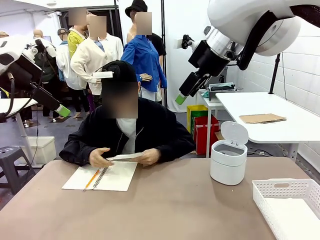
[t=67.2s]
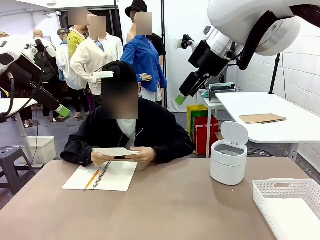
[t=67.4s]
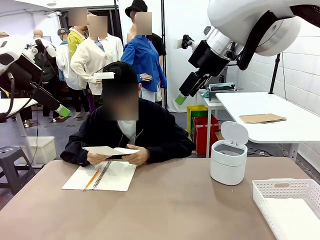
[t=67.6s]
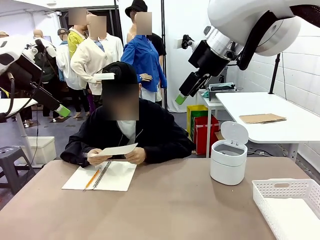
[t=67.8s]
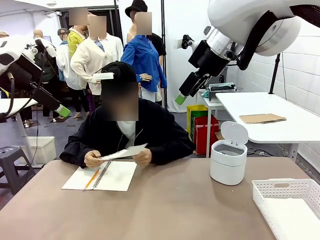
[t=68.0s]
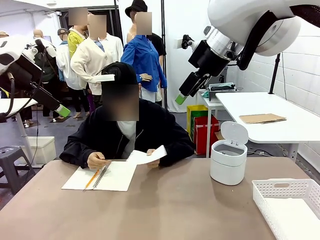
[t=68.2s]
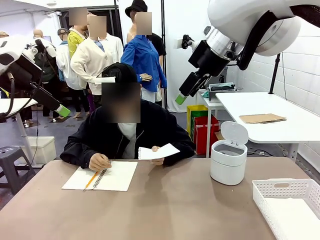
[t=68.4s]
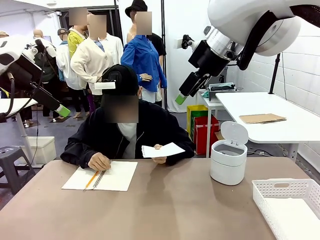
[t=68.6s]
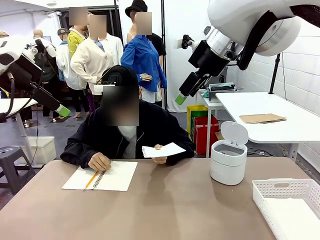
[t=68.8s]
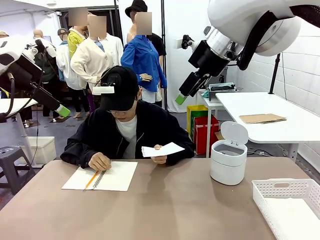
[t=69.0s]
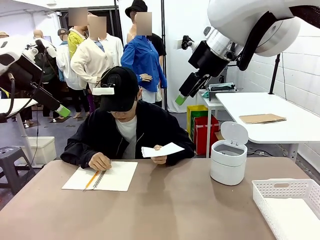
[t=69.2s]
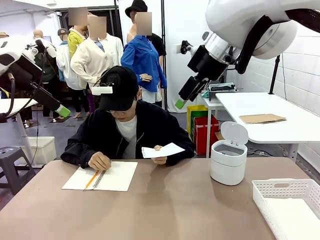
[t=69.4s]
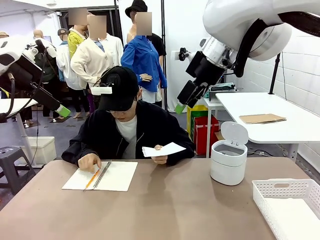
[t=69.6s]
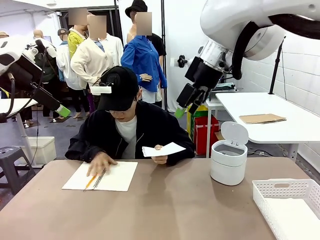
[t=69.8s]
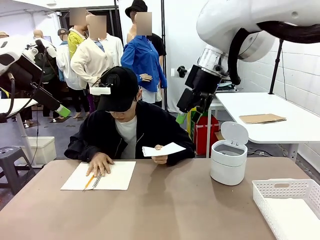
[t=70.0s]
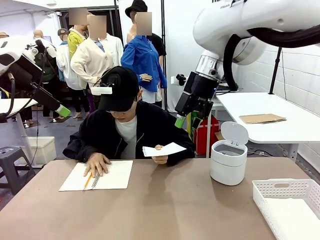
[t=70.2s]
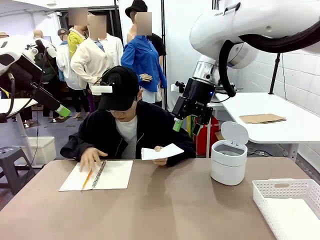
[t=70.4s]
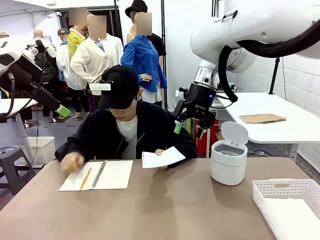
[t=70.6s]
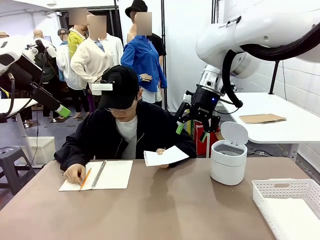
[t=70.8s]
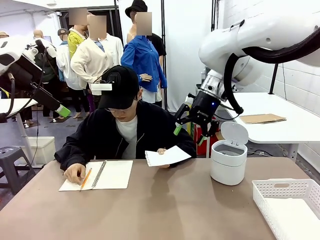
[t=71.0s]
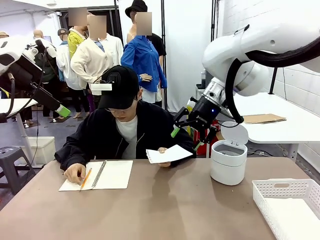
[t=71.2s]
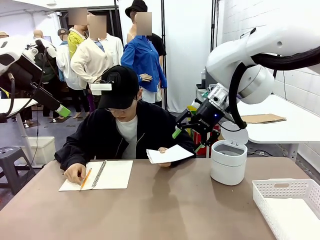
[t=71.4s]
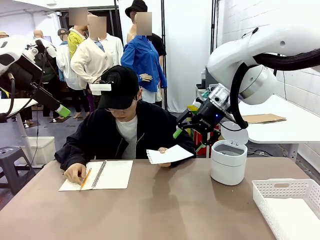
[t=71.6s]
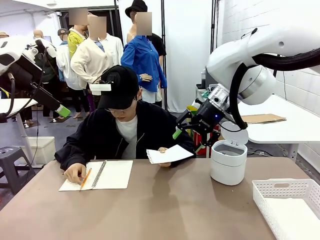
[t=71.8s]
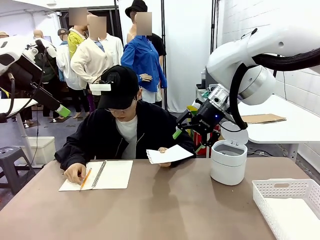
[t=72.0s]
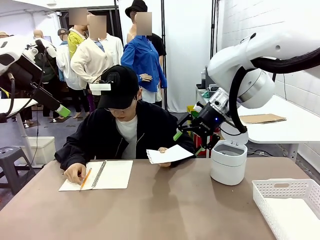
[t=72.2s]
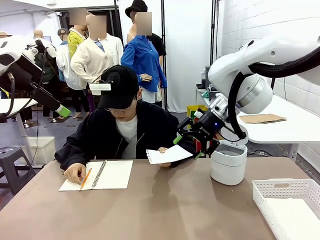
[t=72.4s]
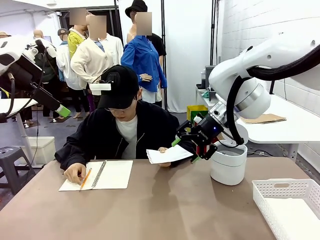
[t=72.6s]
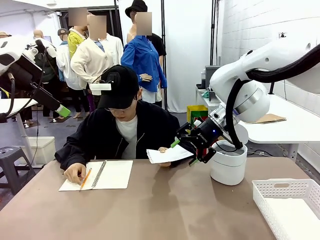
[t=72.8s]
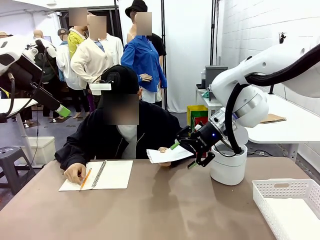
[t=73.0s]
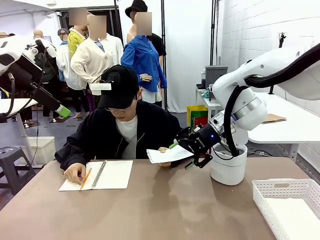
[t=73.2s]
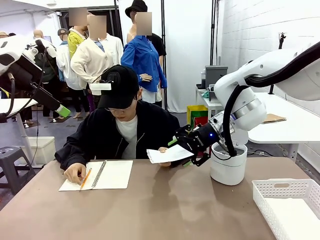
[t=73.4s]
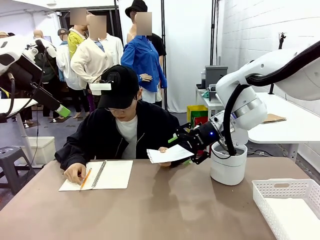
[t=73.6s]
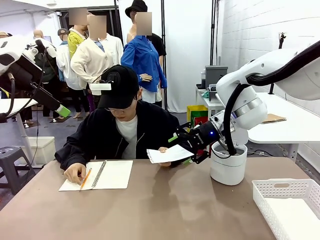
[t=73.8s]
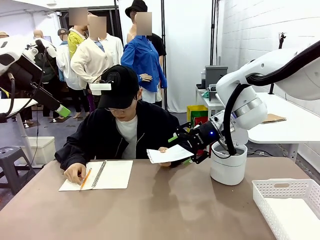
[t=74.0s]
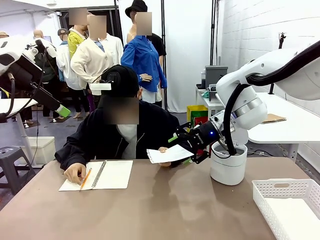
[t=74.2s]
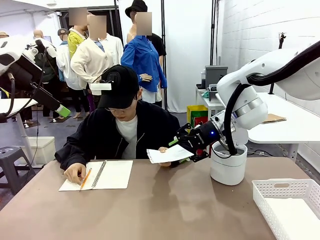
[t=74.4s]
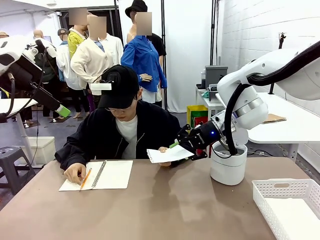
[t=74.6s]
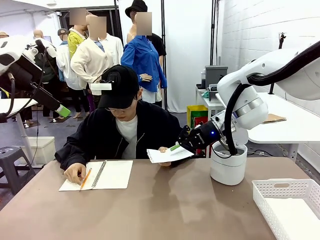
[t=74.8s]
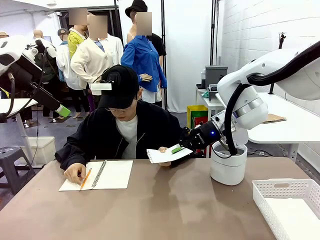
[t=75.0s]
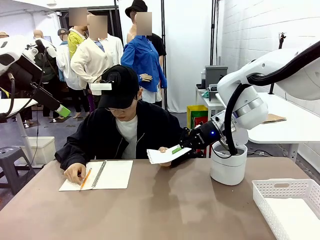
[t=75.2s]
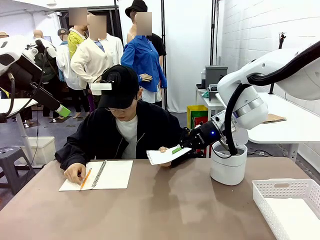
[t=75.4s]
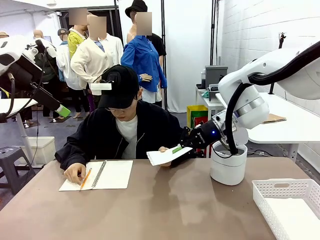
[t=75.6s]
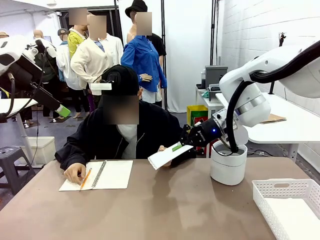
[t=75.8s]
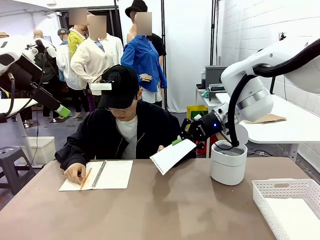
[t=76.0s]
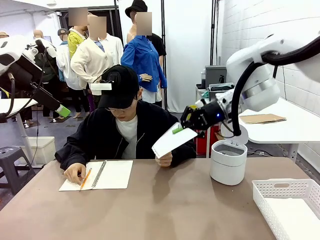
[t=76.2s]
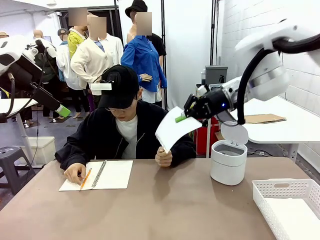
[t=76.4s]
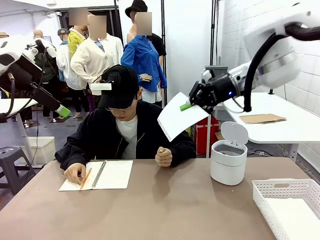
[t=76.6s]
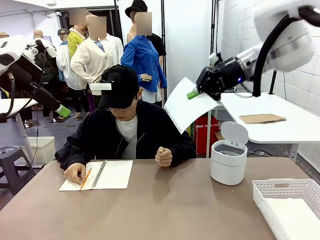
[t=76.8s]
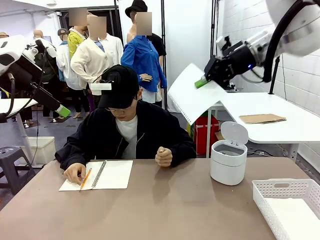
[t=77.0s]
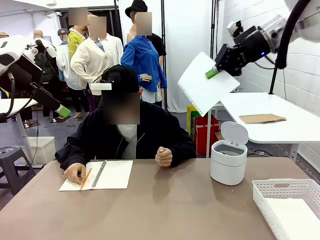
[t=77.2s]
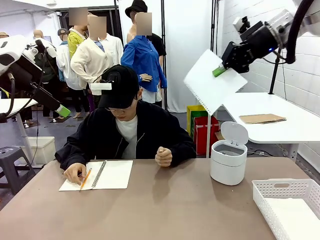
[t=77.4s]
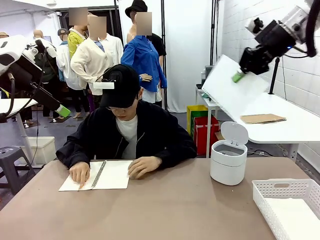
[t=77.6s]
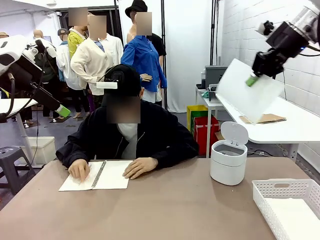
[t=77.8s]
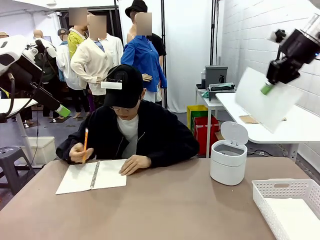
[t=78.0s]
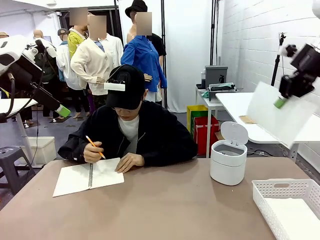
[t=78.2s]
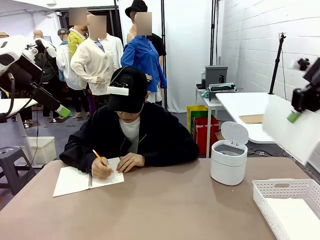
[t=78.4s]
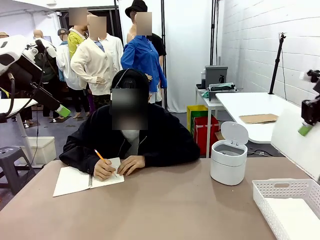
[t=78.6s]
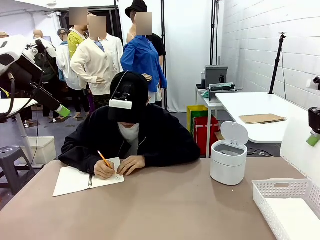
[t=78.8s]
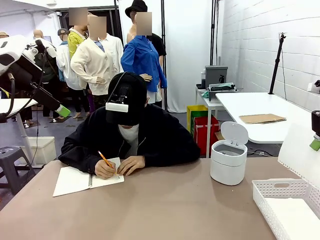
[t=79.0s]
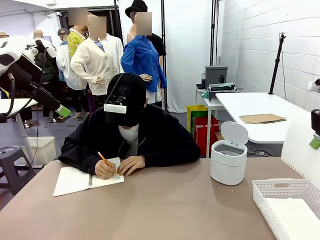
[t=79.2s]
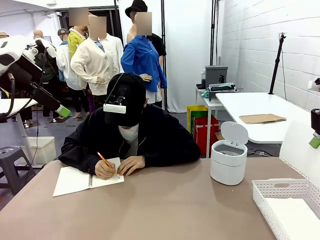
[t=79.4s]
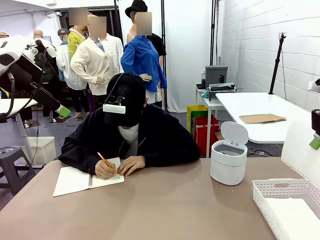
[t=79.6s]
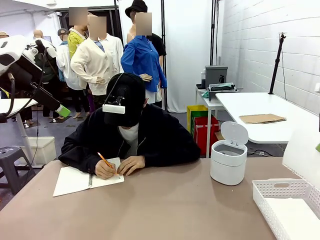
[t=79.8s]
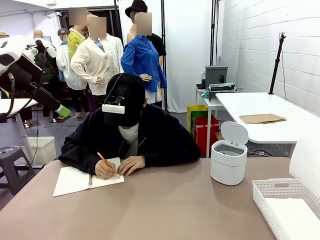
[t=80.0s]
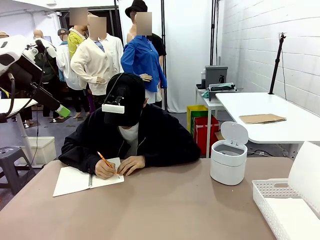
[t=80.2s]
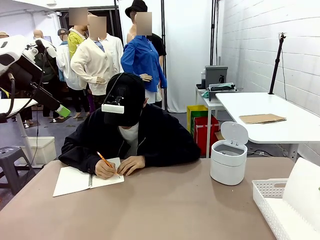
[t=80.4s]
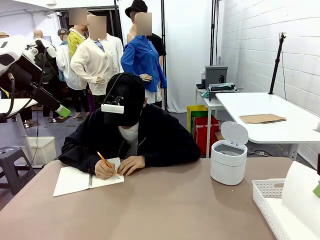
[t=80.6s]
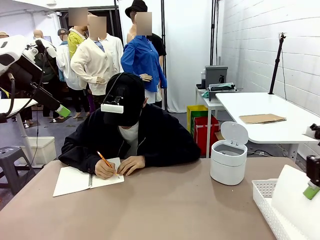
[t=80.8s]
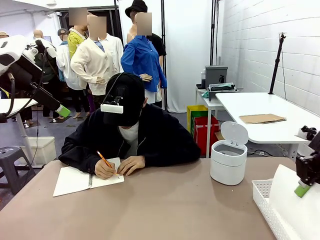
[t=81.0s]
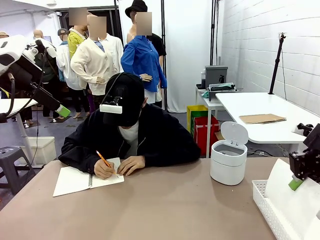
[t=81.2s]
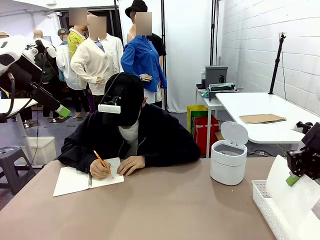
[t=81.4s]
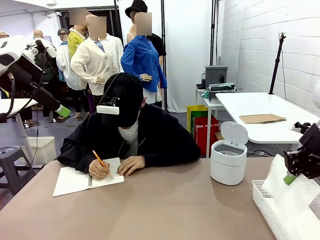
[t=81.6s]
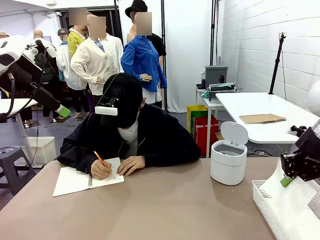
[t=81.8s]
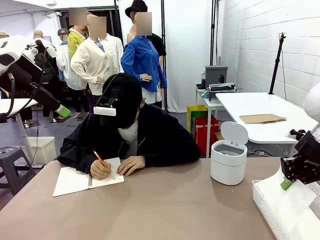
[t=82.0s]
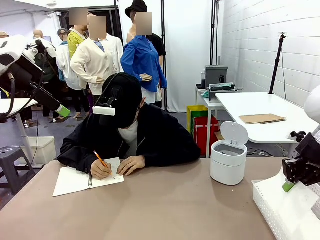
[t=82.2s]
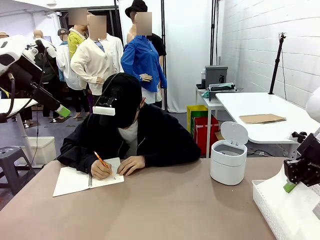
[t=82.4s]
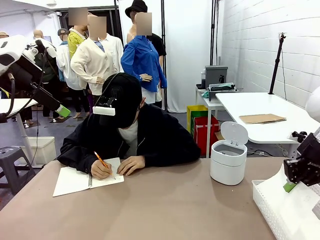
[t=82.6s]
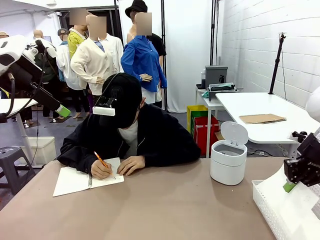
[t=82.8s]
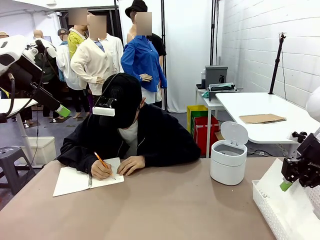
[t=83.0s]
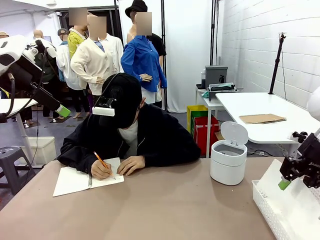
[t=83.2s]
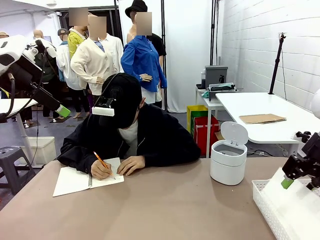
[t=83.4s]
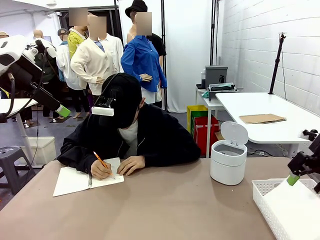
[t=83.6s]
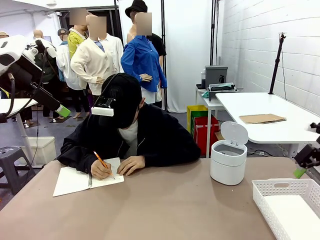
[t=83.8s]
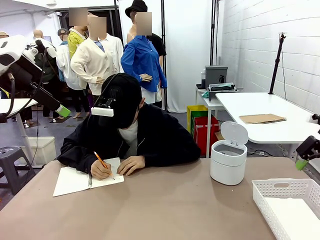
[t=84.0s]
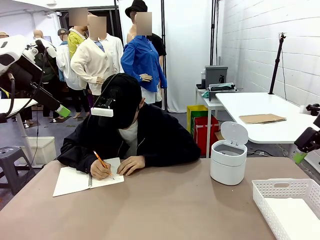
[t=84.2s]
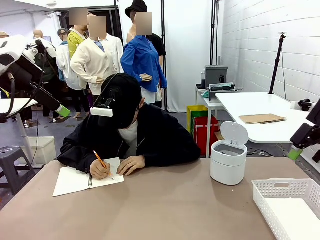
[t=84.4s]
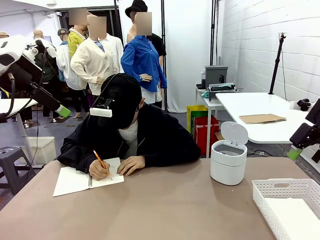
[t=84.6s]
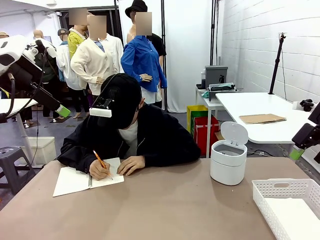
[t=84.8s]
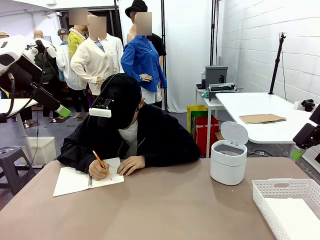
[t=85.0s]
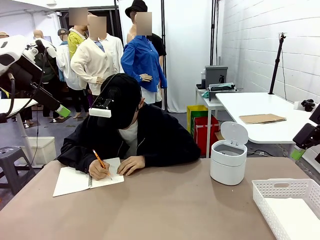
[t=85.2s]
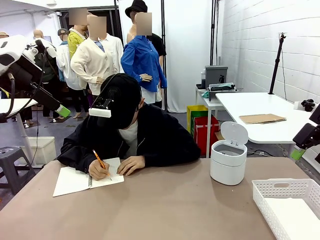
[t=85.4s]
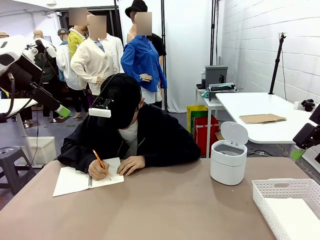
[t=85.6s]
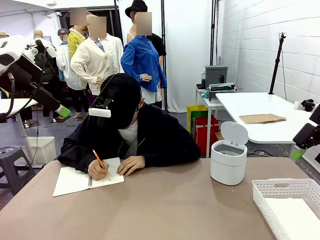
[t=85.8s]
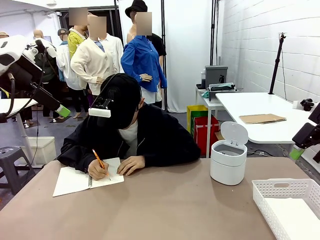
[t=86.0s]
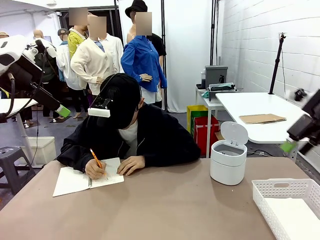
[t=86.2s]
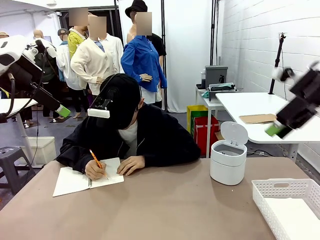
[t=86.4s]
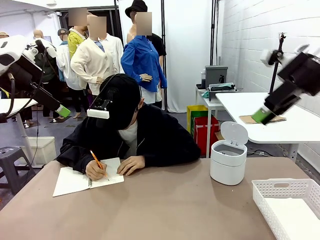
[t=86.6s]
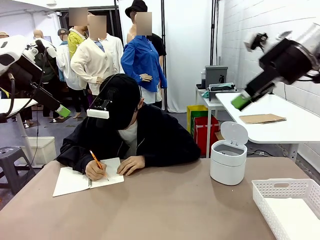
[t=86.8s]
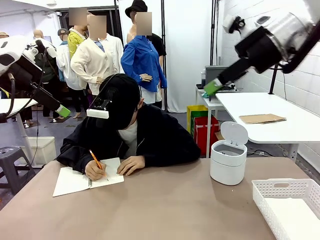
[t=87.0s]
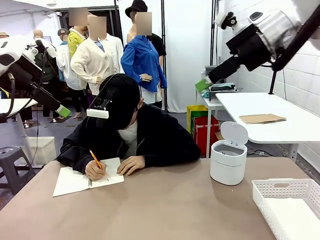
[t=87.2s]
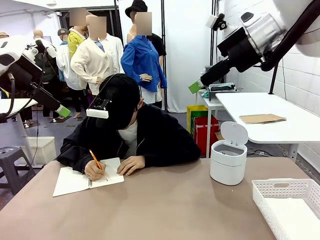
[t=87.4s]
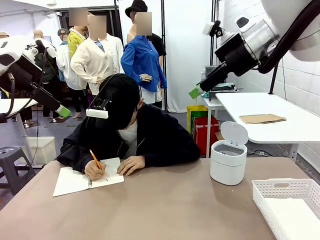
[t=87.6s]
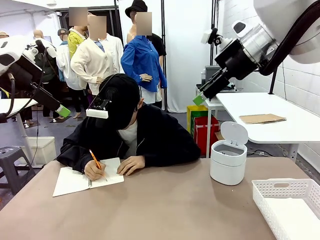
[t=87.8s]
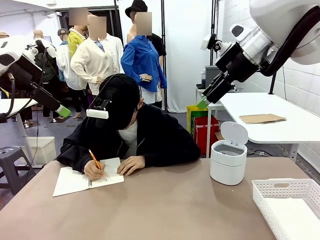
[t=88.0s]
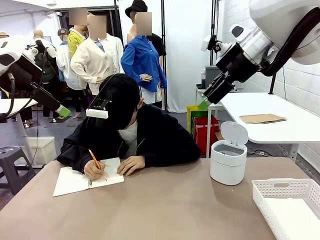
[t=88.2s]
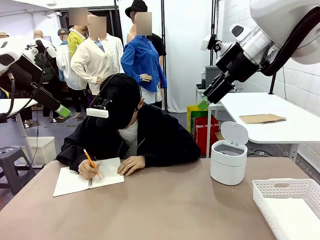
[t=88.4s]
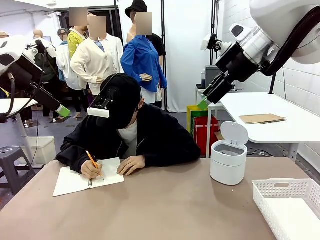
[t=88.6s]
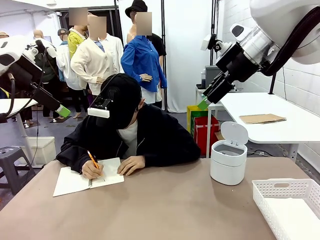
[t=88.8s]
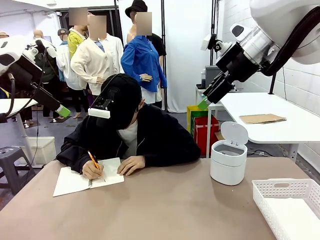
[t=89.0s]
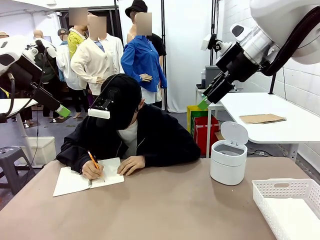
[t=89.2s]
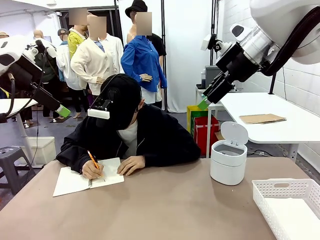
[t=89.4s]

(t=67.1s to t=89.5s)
Task: Sort the paper based on its condition.
Robot: If a person hands you a paper, place it in the Organizing basket , and if it's crumpled, put it in the Trash can.
Person: Hand the torn page to the robot or crumple it and throw it to the center of the table.
